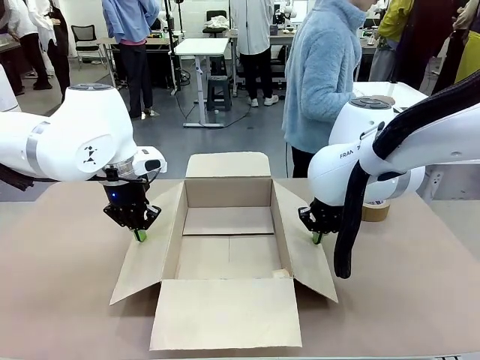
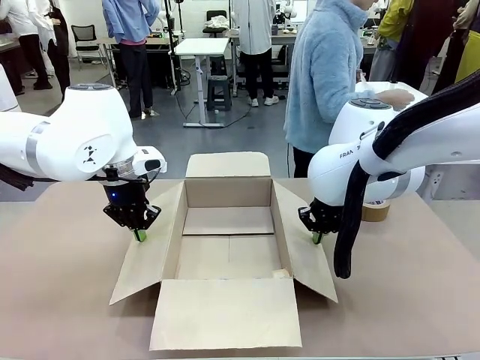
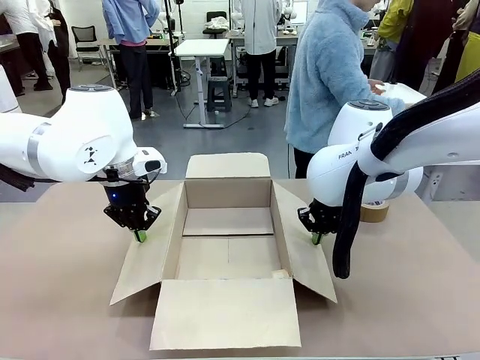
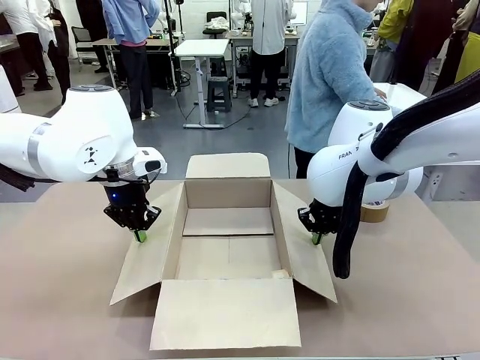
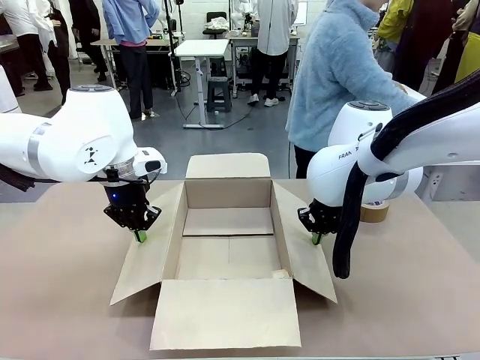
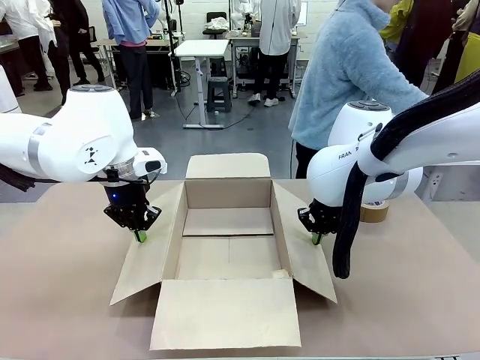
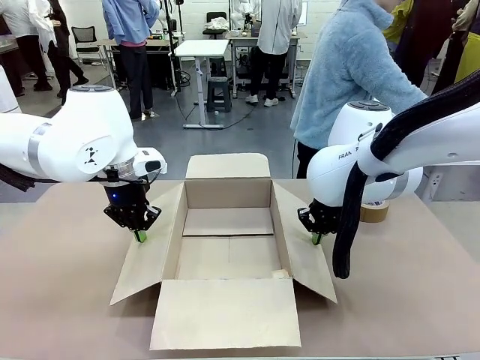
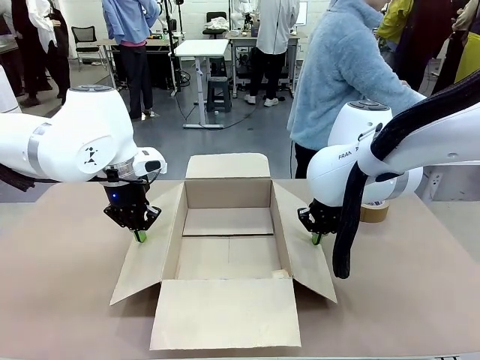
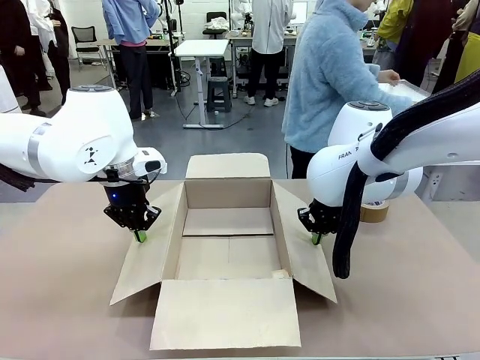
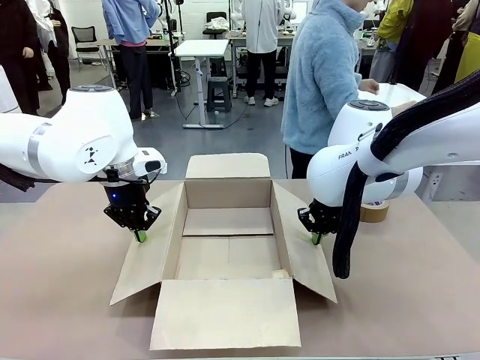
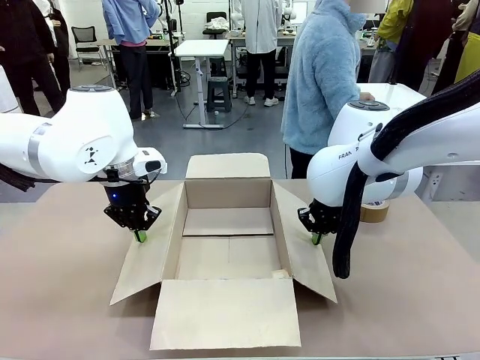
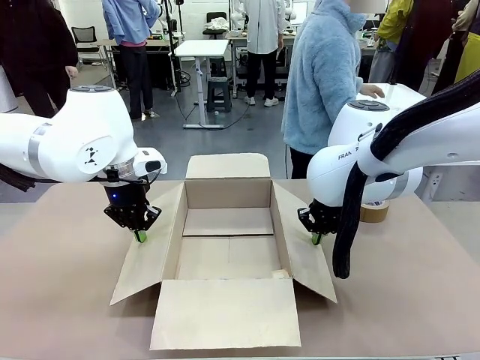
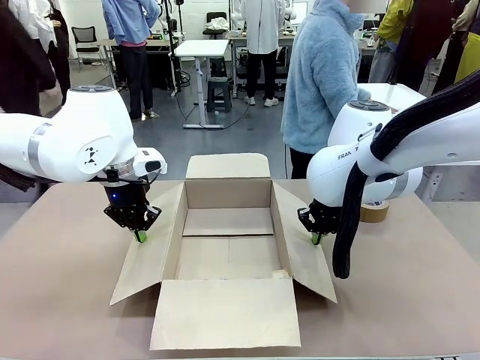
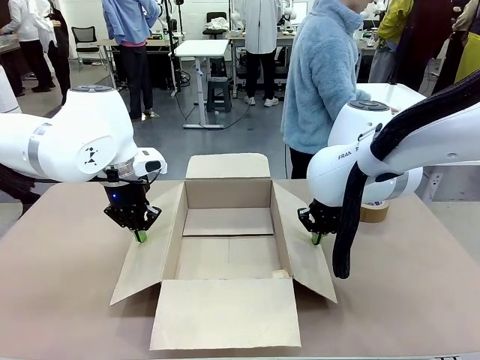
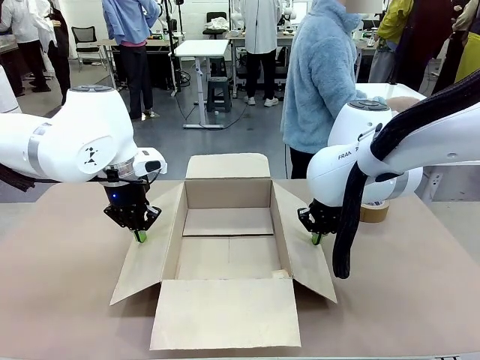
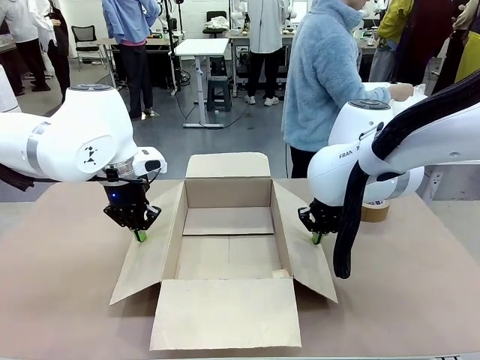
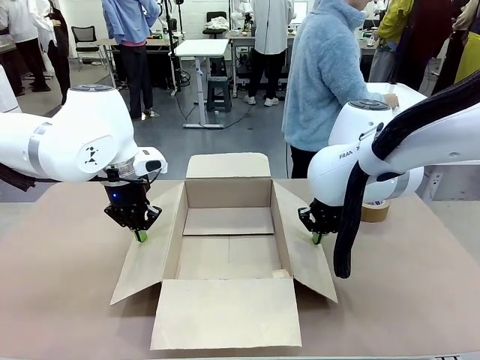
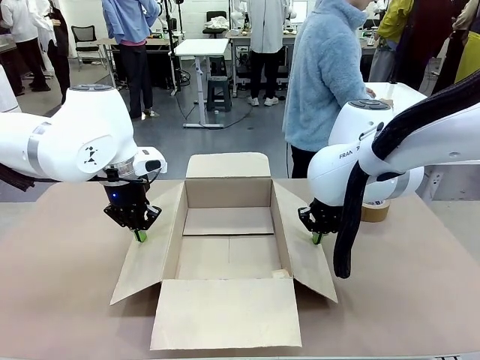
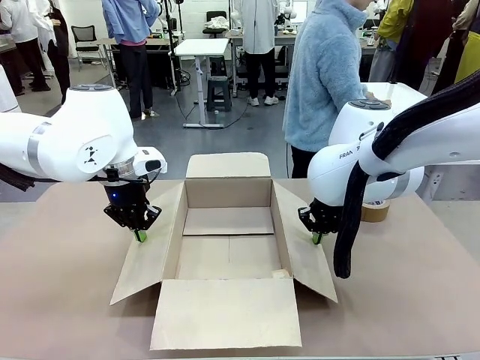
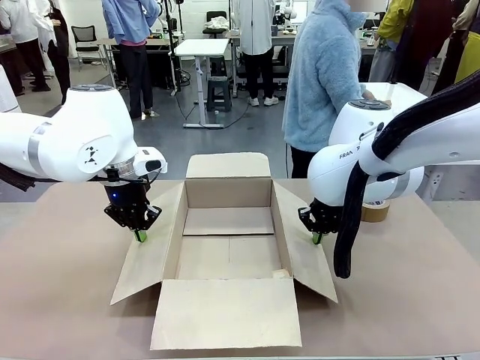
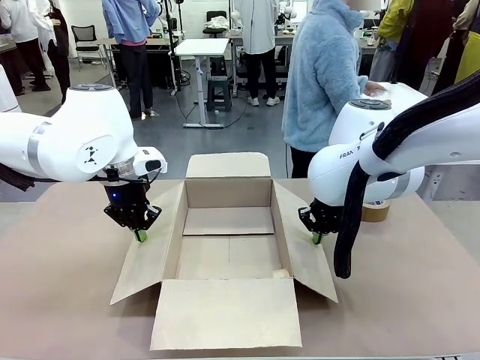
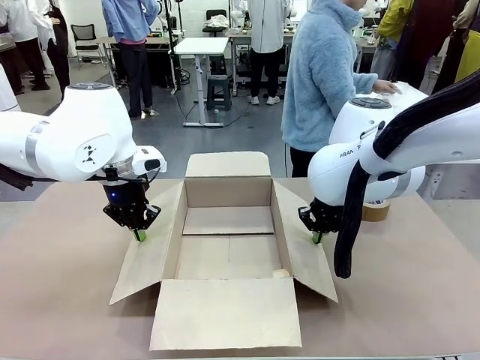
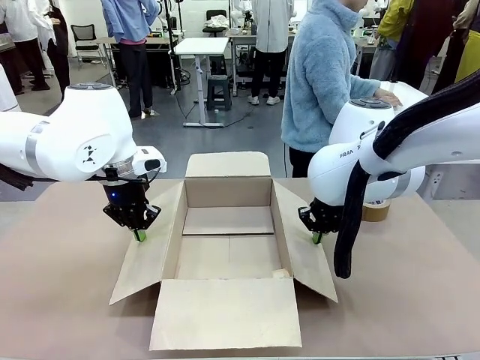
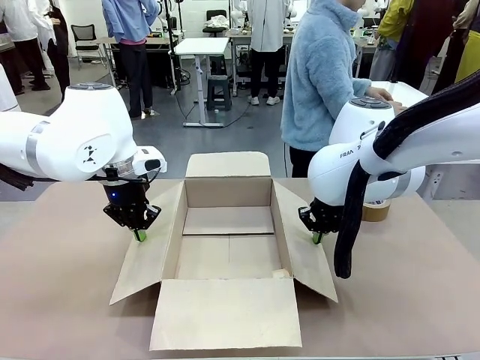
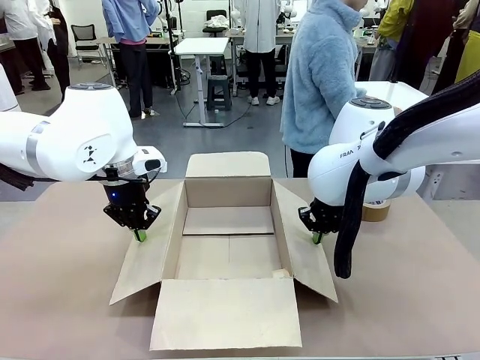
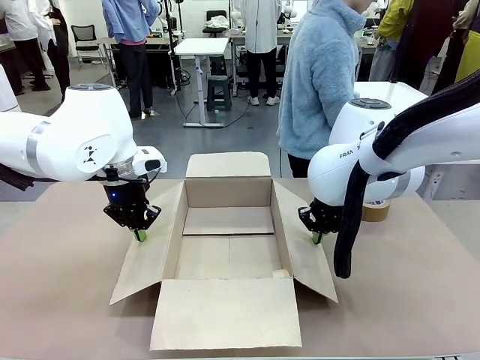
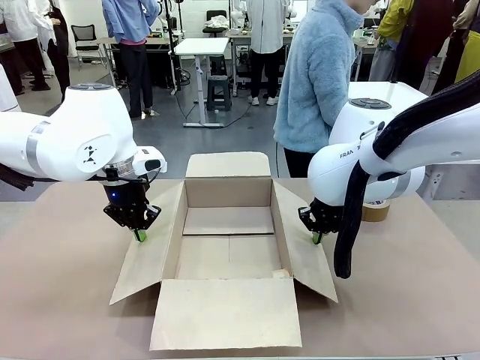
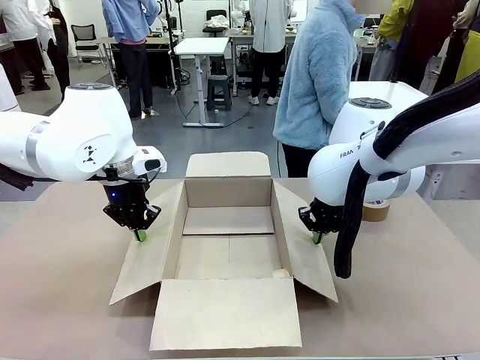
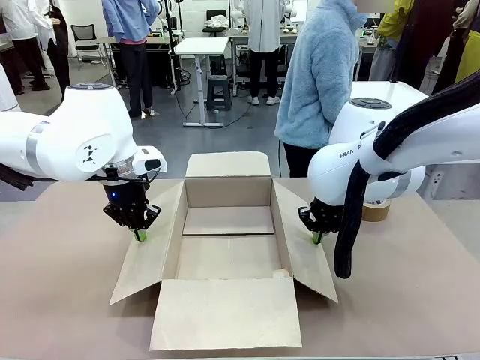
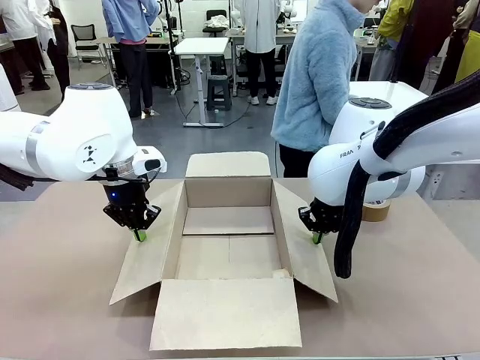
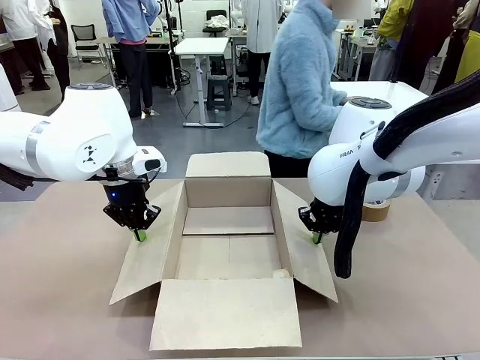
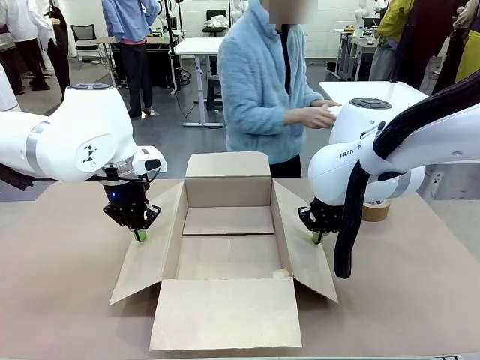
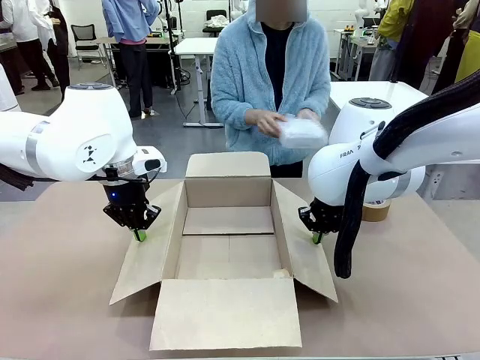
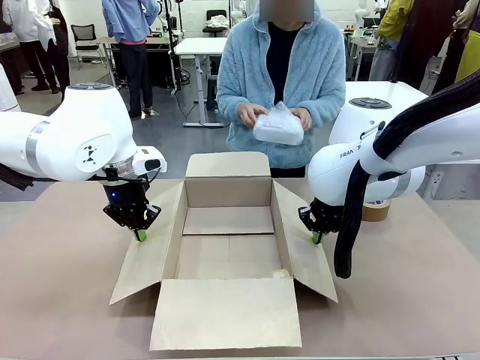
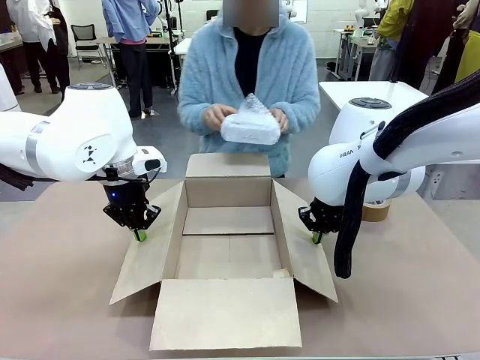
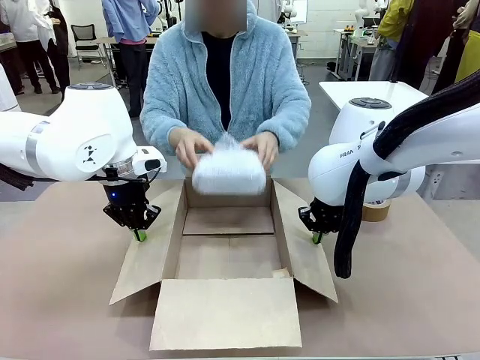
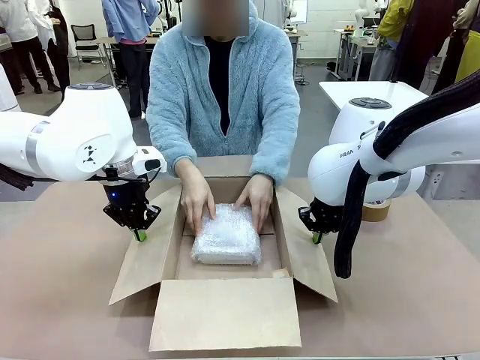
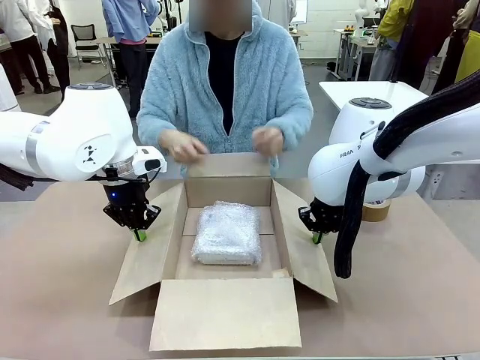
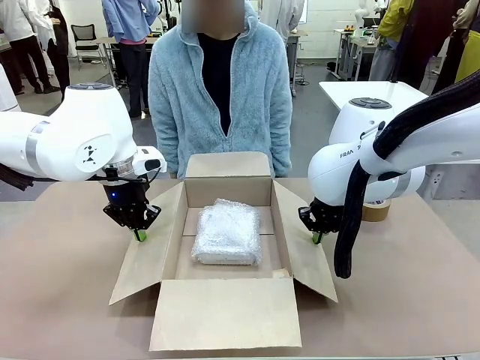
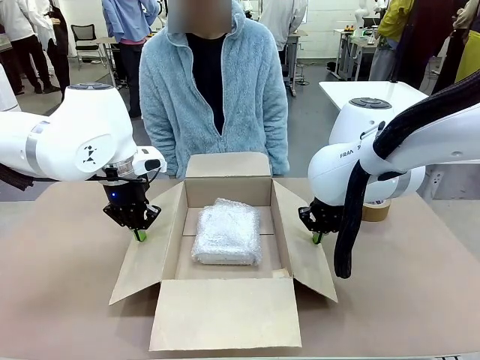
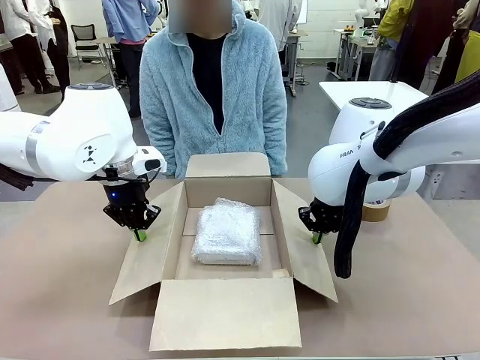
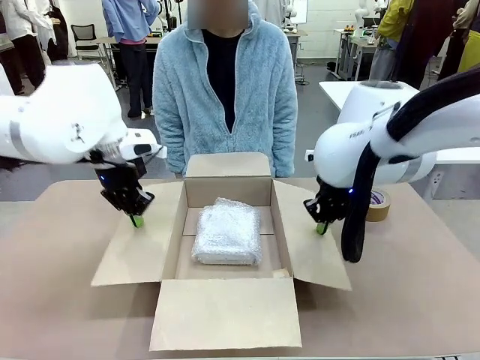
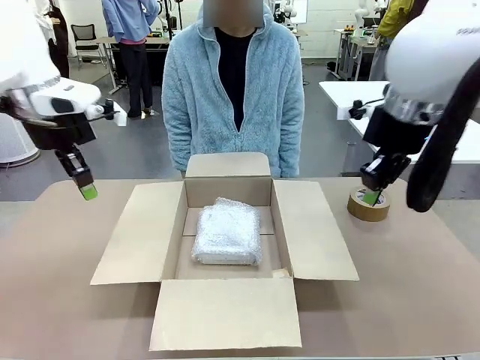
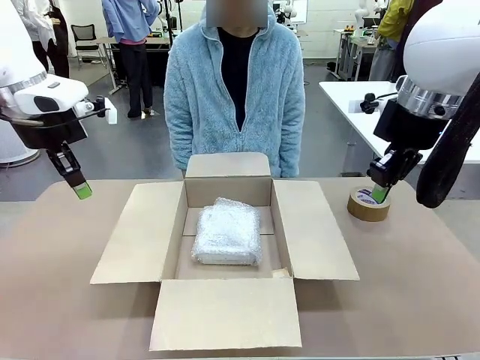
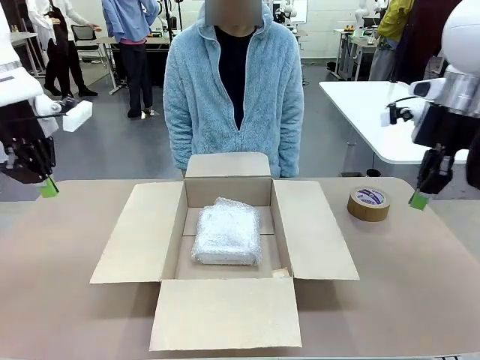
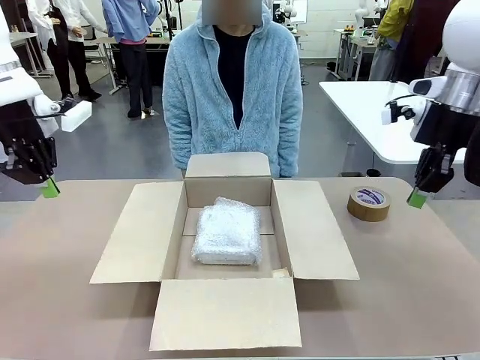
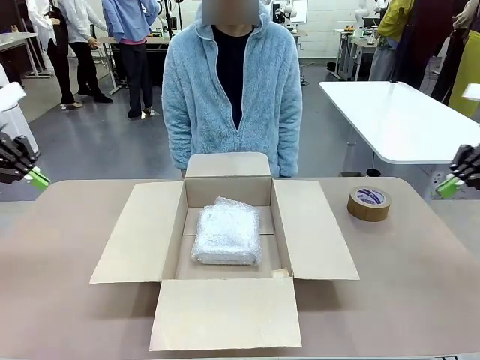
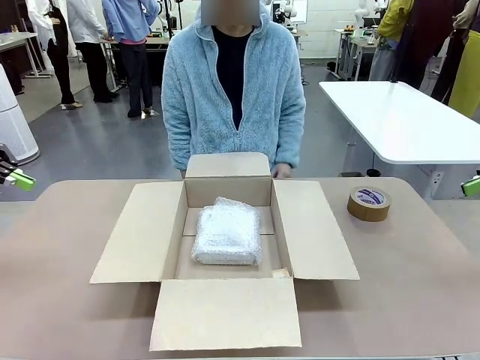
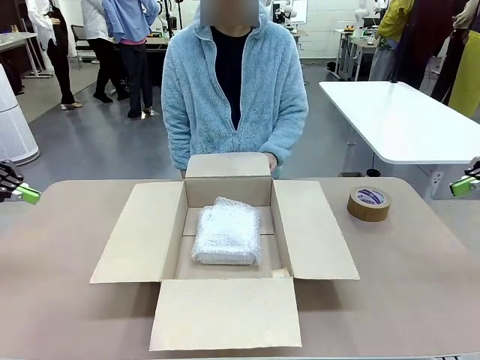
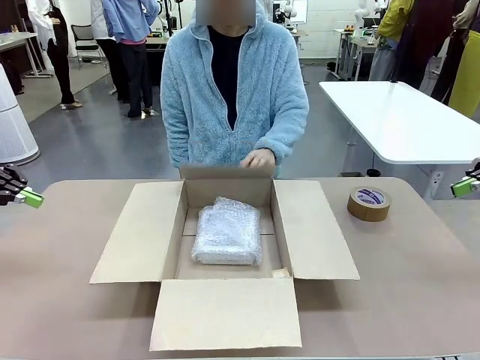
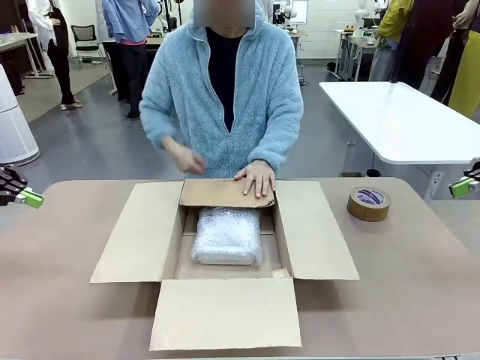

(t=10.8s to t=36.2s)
Task: Wrap the clocks to prevent damage.
Robot: Once the human has placed the objects inside and stepped back, release both hands from the side flaps of the Package Box.
Person: Wrap the two Digital clocks with Bubble Wrap. Place the wrapped Digital clocks inside the Package Box. Hold the top and bottom flaps of the Package Box closed with your left (or right) hand.
